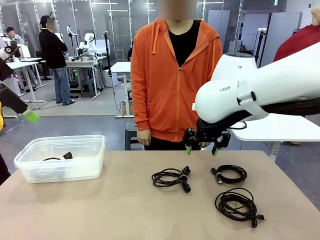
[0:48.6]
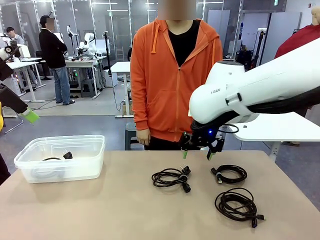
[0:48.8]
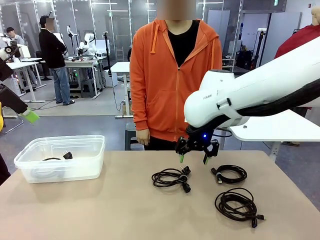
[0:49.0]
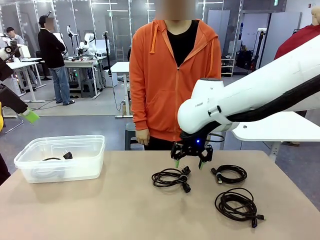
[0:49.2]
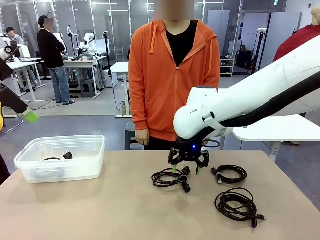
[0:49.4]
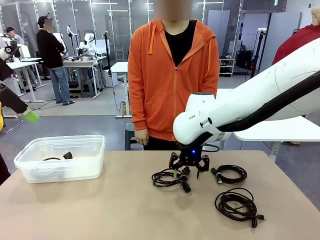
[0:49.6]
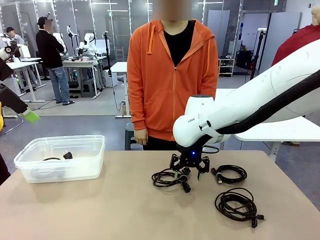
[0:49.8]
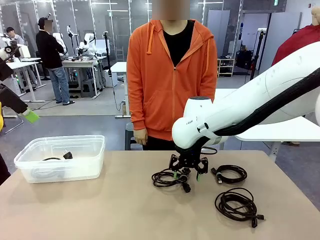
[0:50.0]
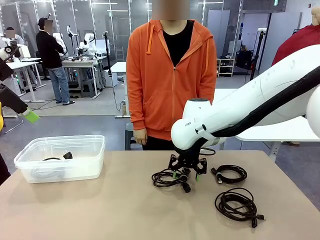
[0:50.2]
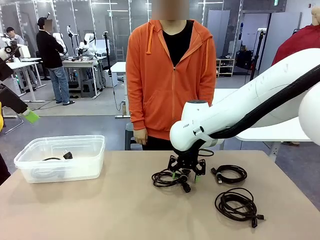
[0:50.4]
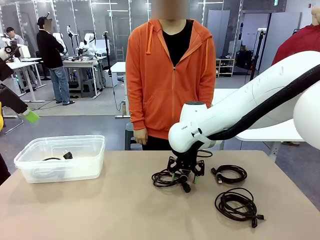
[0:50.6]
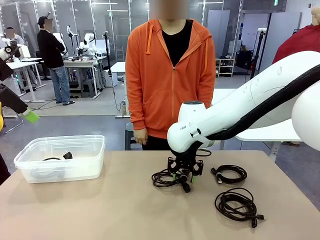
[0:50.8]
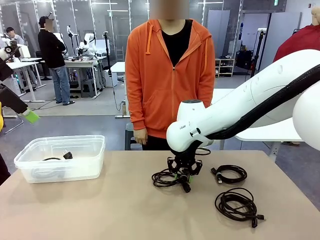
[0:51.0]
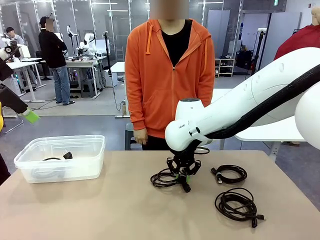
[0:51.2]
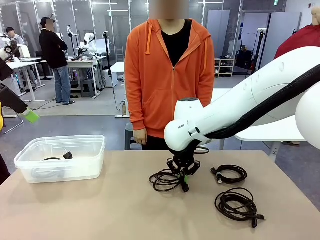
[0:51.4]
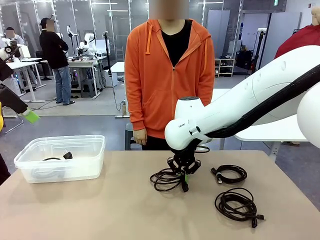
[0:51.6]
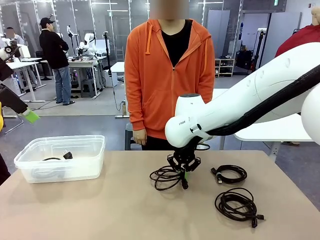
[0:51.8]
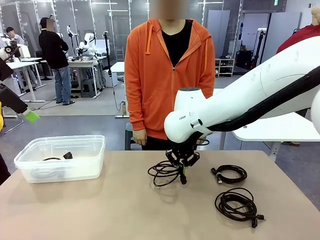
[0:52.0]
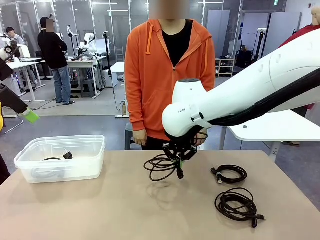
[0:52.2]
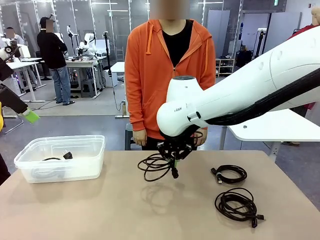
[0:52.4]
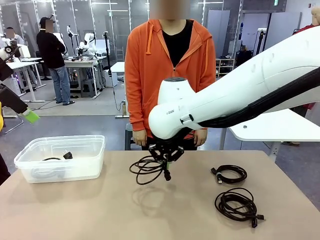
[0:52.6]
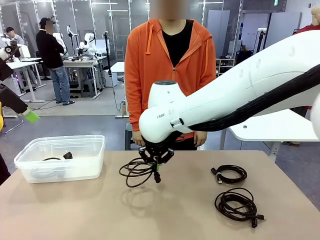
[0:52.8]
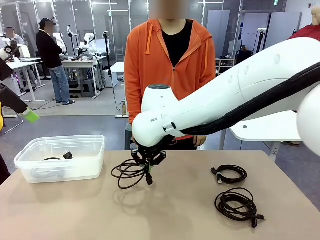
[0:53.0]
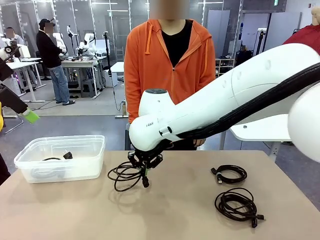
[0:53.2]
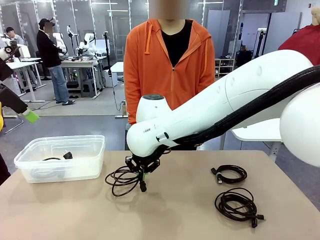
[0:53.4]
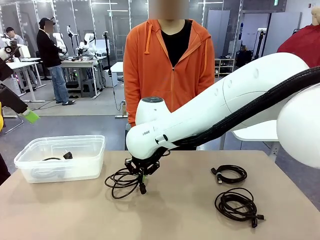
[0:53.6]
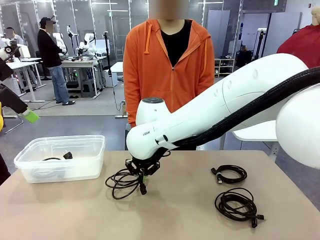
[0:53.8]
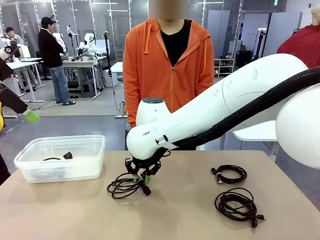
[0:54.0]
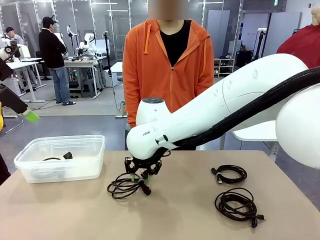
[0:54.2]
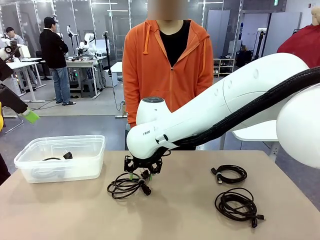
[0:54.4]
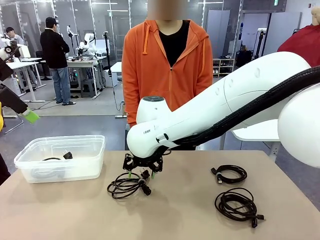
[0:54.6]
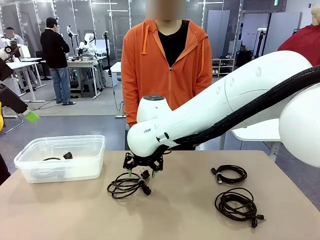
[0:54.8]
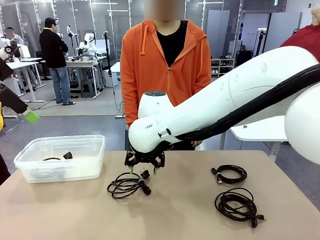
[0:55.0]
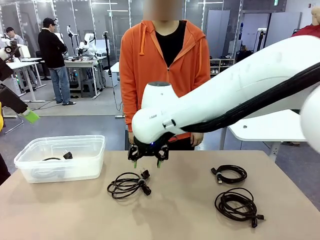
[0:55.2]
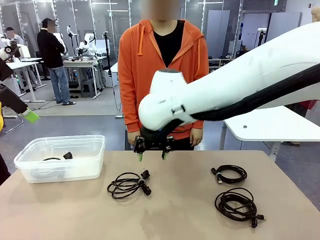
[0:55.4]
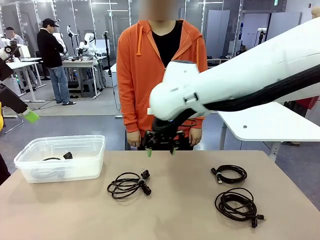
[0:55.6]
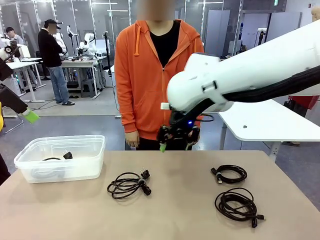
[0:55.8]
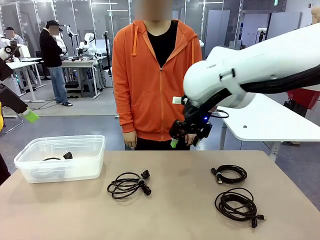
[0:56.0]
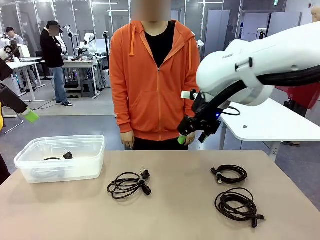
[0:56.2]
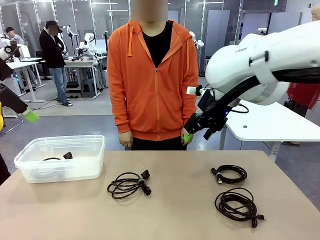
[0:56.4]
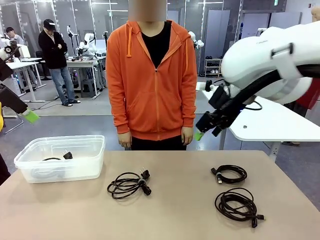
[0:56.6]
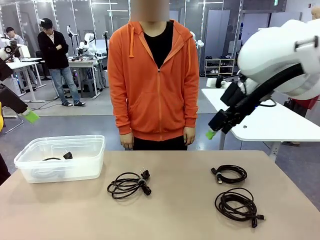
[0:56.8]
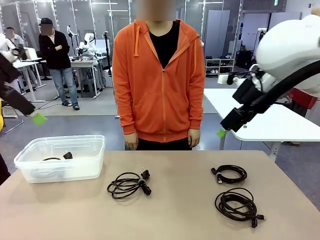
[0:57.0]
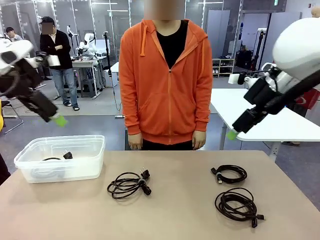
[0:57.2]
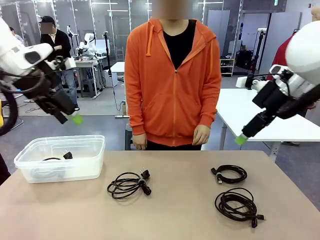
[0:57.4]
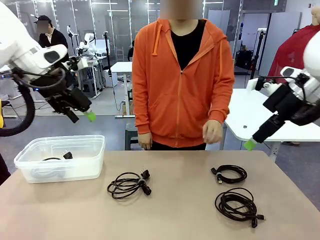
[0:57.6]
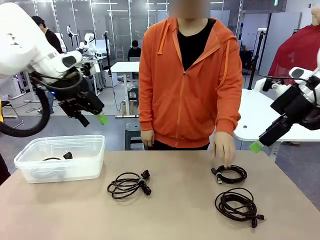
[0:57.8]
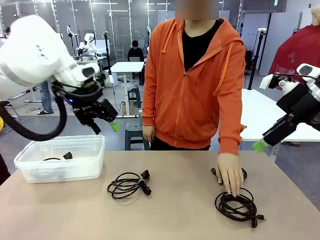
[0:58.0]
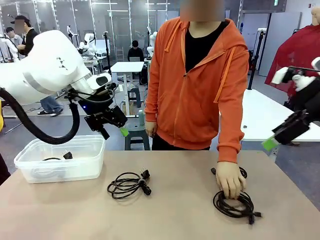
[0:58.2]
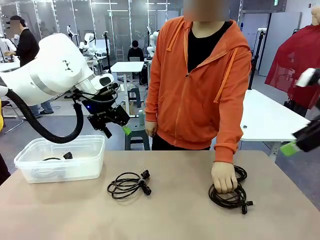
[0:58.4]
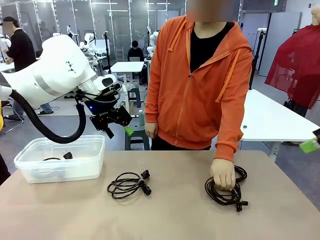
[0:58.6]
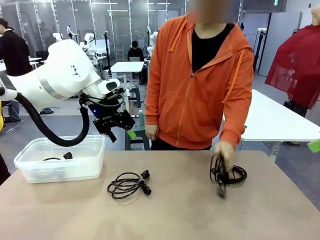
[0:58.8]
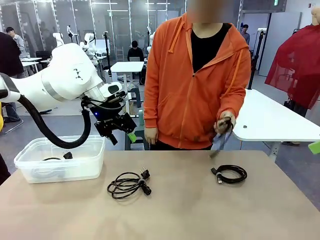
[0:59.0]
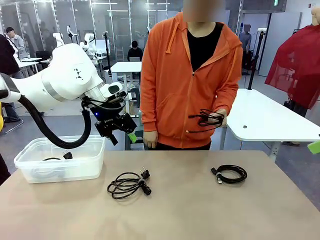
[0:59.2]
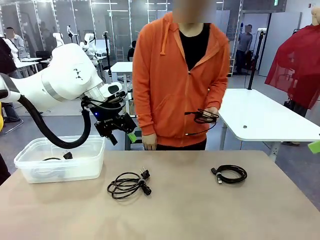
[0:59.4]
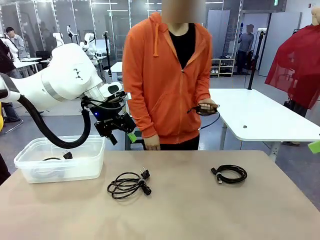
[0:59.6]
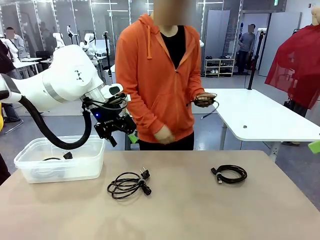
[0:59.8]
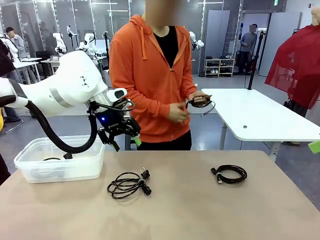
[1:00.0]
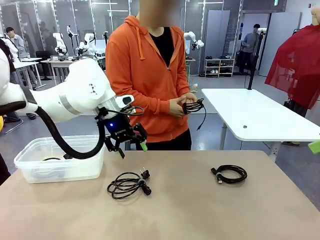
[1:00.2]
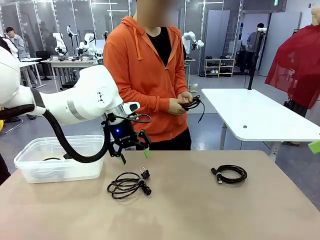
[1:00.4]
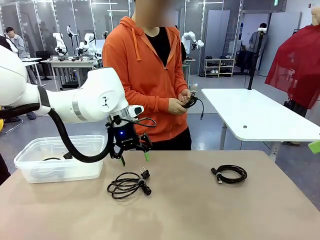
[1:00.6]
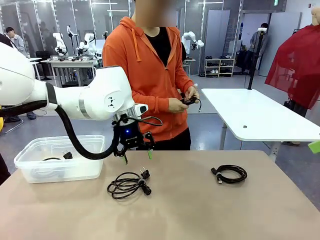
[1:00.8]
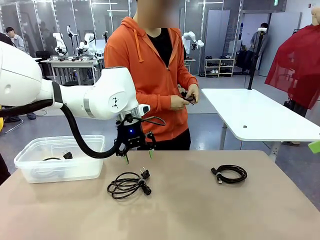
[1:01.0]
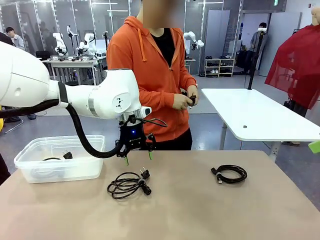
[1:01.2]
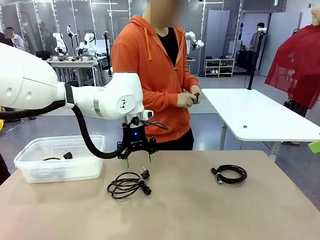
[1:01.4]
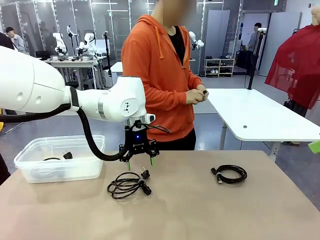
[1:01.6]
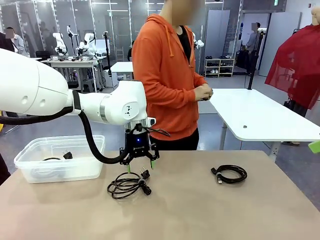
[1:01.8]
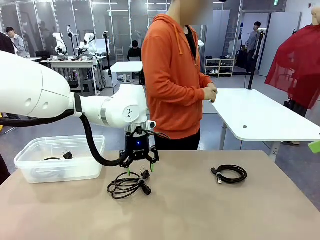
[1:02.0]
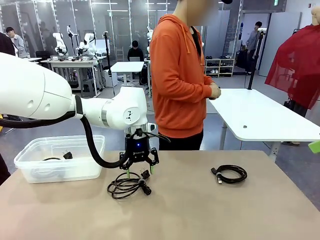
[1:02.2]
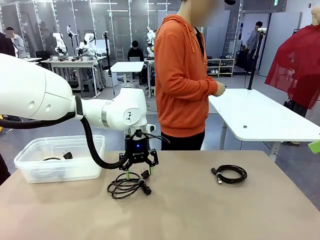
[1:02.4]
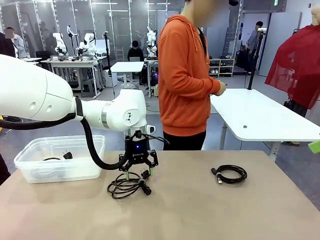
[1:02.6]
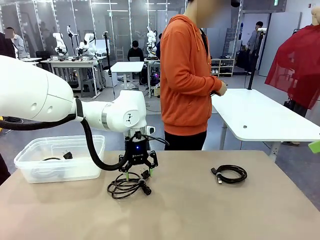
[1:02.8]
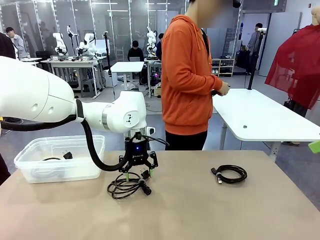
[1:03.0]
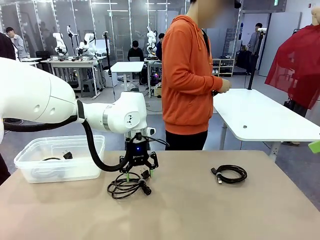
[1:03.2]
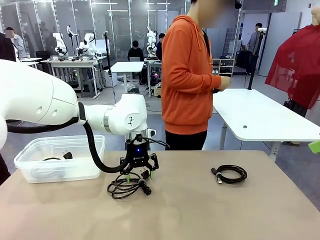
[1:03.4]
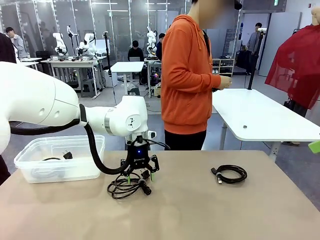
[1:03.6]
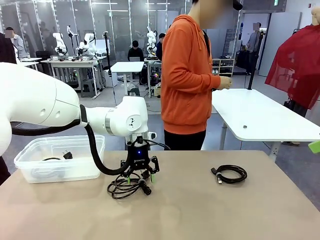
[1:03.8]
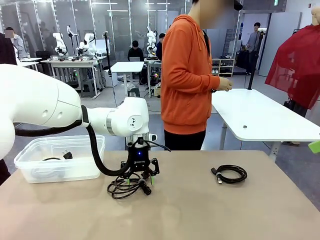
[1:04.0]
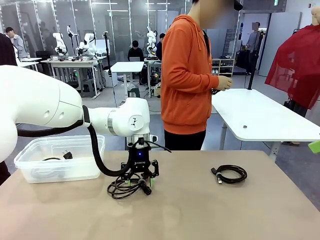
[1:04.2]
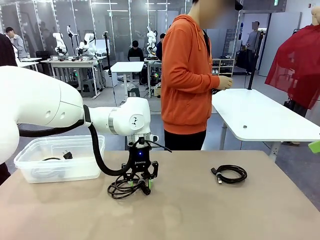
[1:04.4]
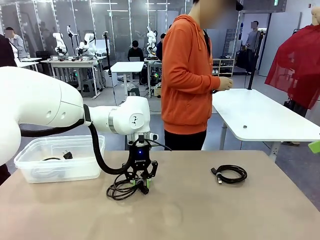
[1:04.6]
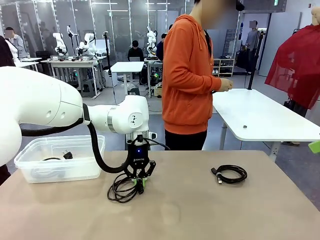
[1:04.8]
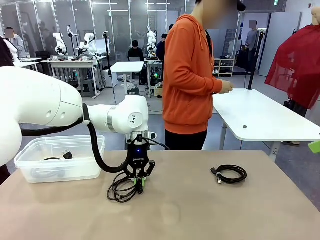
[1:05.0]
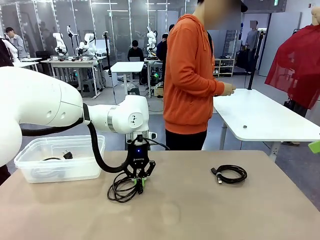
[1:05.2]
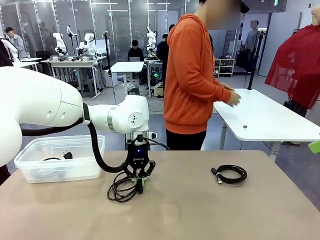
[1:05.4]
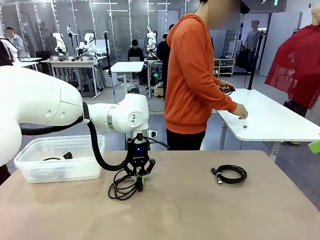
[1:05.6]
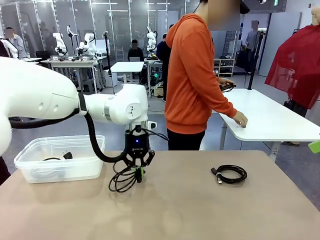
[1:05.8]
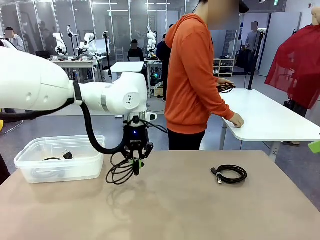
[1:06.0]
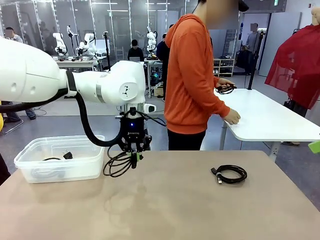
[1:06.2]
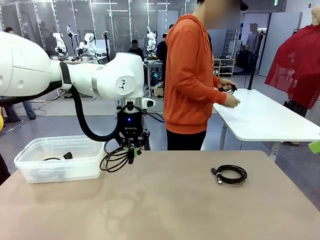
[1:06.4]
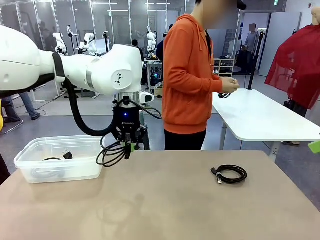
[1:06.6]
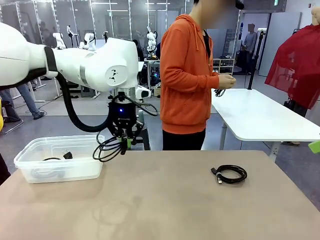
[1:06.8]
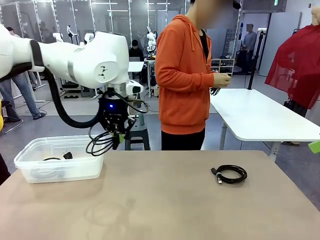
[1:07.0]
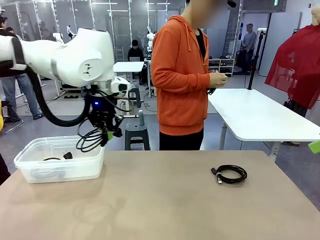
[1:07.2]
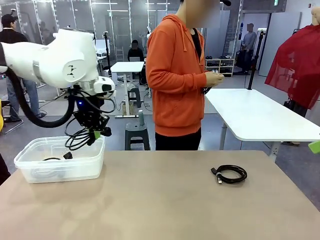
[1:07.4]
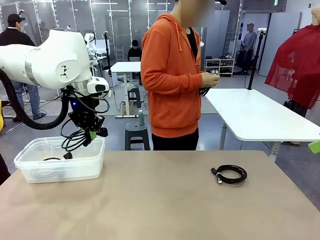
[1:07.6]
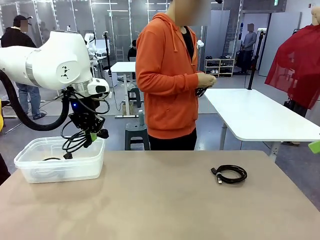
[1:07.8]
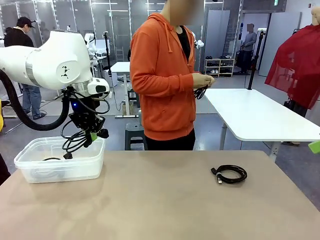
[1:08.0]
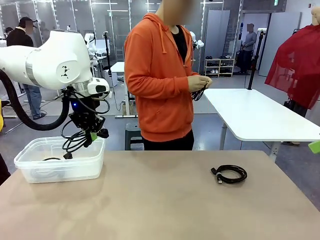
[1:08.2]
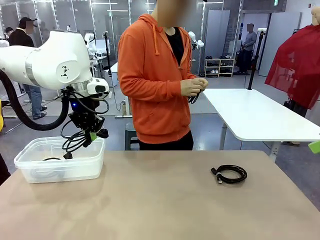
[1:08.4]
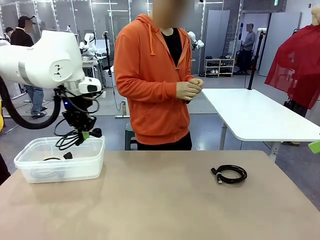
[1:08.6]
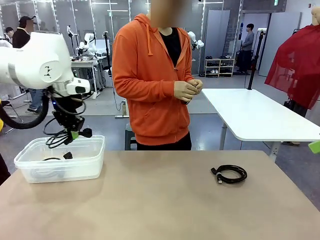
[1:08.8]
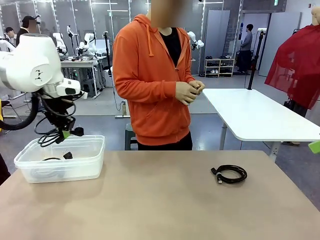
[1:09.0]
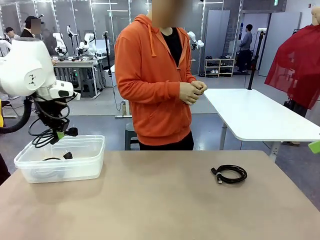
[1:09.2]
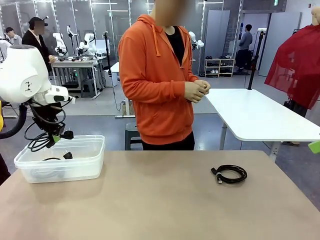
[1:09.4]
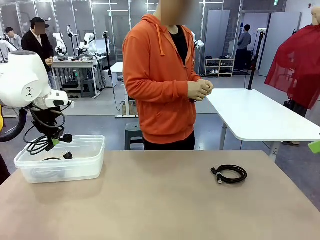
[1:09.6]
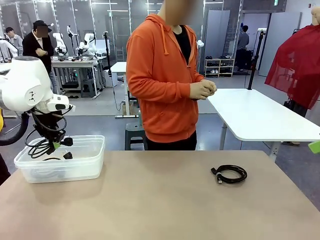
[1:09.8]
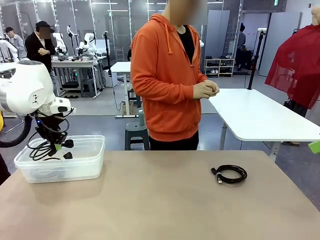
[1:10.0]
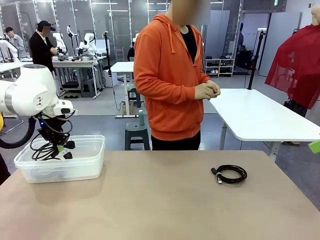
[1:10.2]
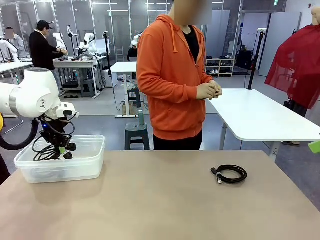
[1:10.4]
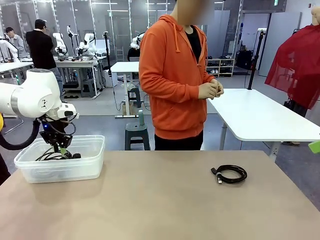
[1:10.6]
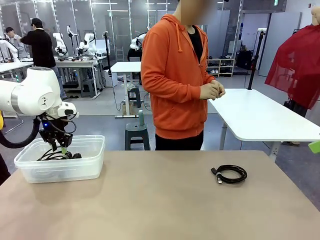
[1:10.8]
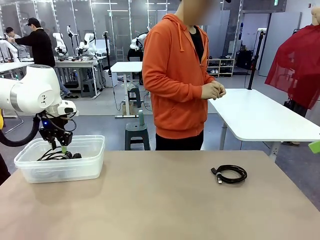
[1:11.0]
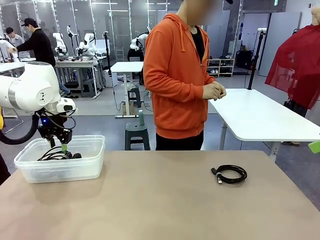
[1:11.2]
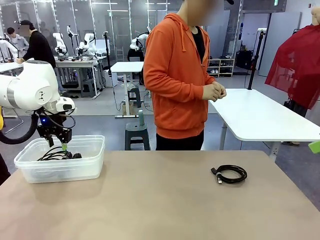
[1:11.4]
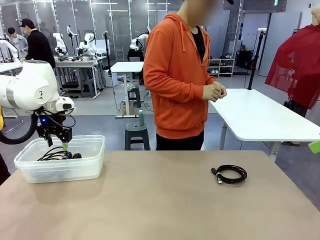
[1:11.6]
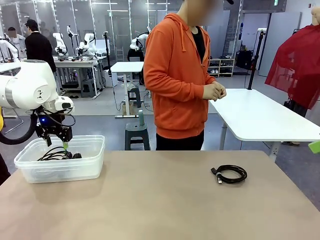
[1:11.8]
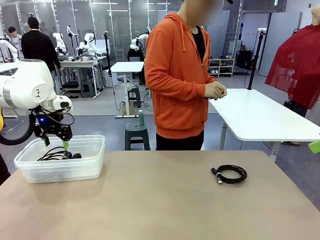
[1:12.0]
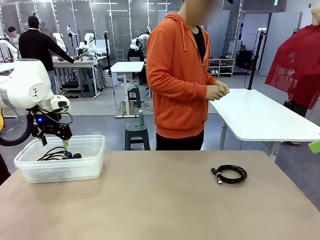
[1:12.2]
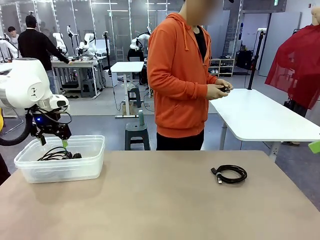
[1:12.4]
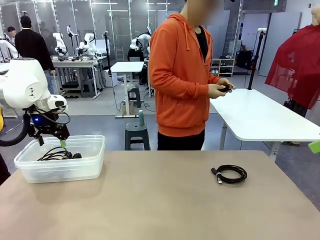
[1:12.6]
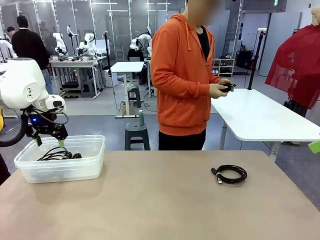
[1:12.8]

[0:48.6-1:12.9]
Task: Organize and store the cables.
Robot: Place the Power Cable into the Organizing box.
